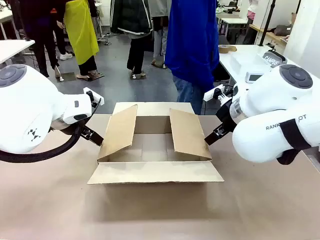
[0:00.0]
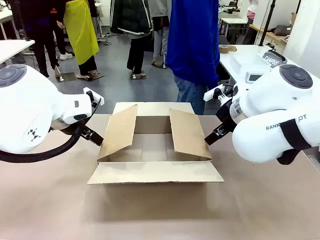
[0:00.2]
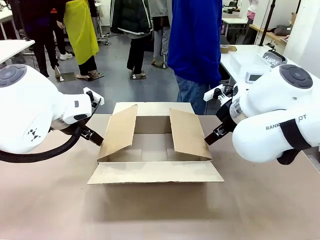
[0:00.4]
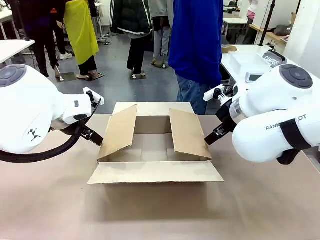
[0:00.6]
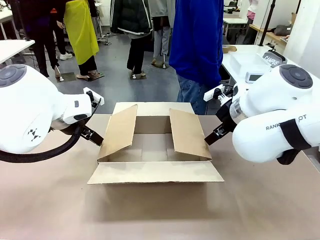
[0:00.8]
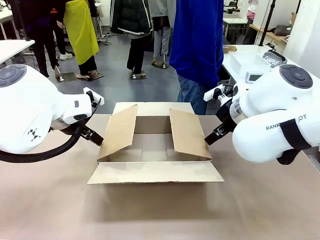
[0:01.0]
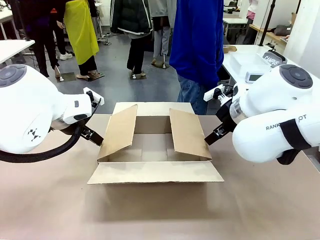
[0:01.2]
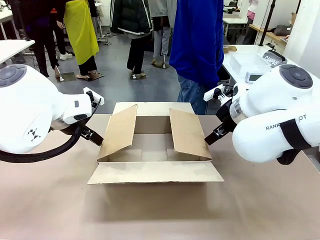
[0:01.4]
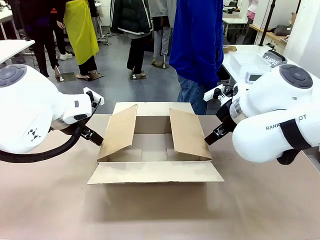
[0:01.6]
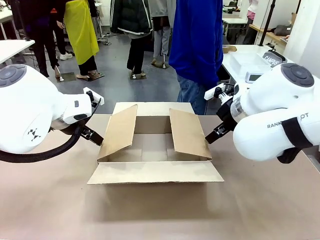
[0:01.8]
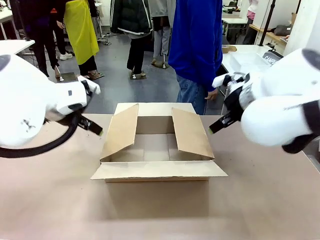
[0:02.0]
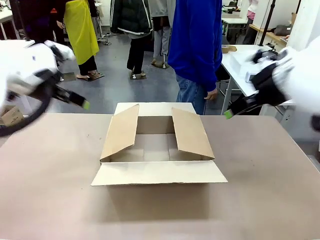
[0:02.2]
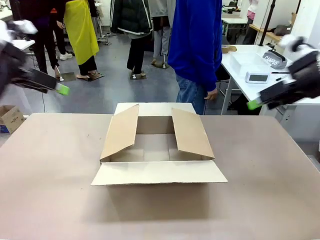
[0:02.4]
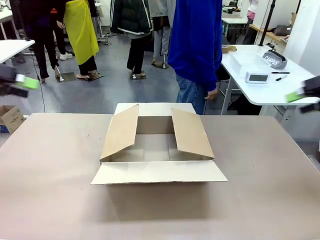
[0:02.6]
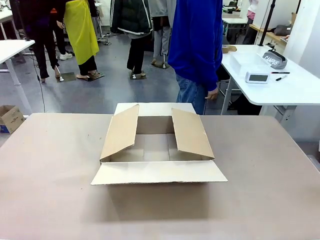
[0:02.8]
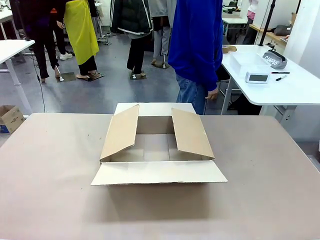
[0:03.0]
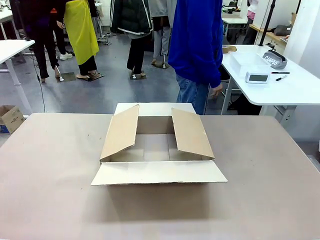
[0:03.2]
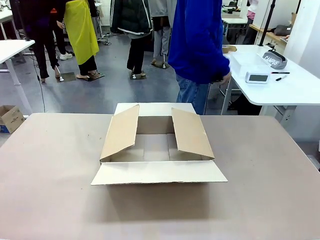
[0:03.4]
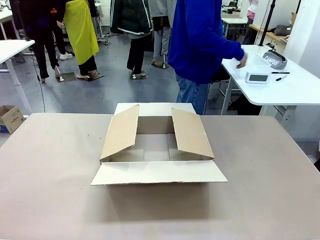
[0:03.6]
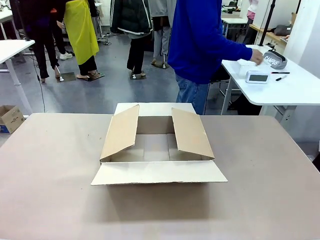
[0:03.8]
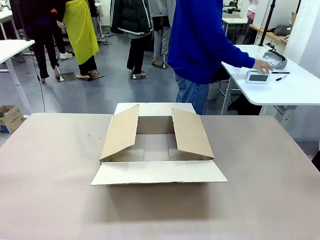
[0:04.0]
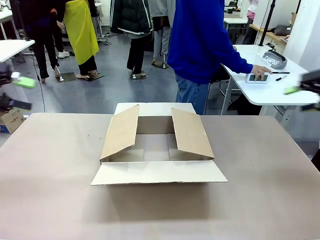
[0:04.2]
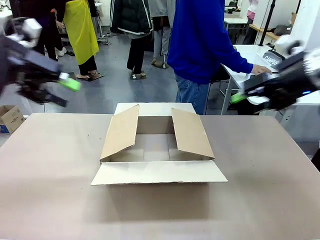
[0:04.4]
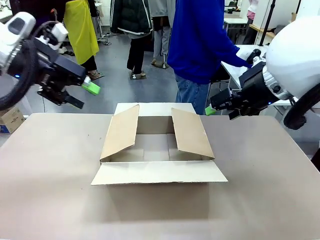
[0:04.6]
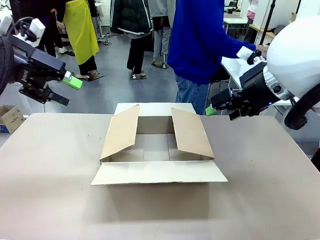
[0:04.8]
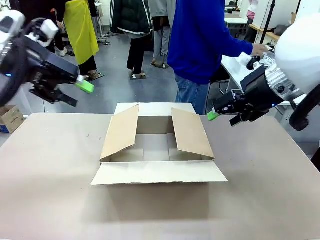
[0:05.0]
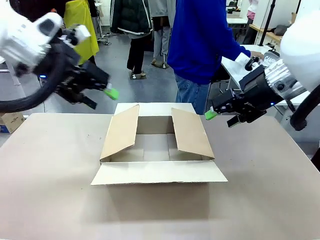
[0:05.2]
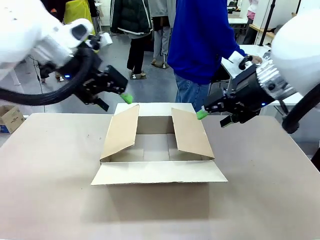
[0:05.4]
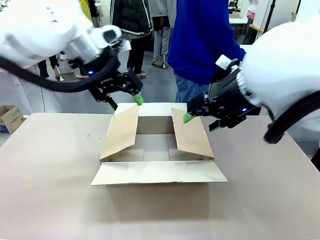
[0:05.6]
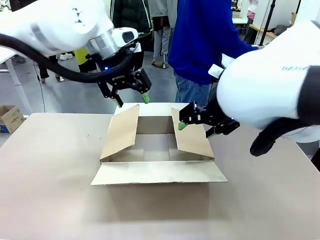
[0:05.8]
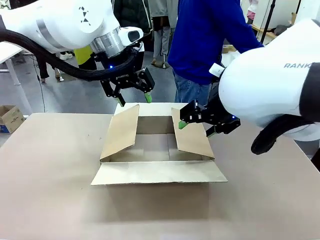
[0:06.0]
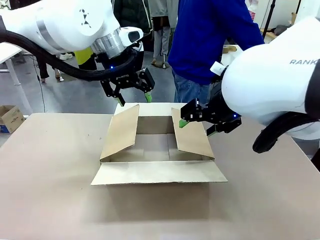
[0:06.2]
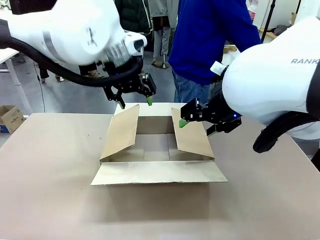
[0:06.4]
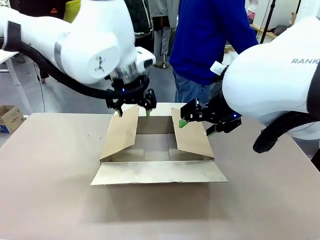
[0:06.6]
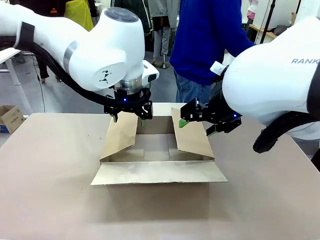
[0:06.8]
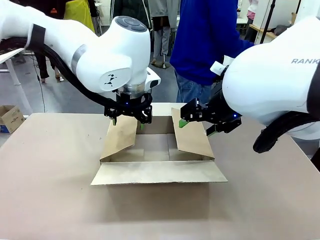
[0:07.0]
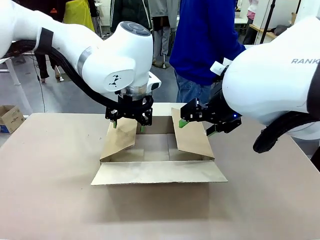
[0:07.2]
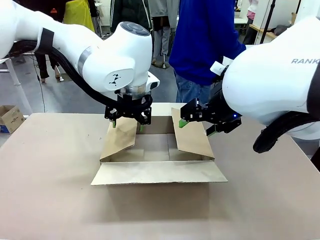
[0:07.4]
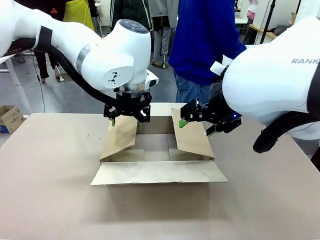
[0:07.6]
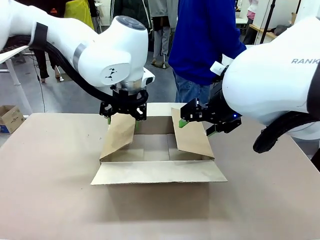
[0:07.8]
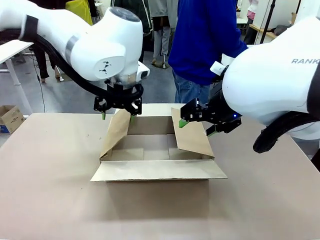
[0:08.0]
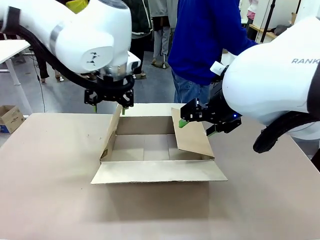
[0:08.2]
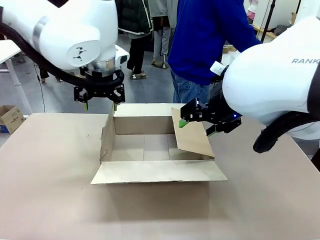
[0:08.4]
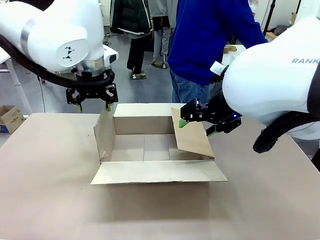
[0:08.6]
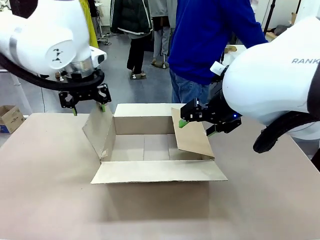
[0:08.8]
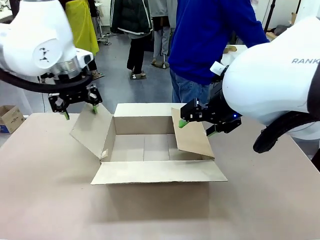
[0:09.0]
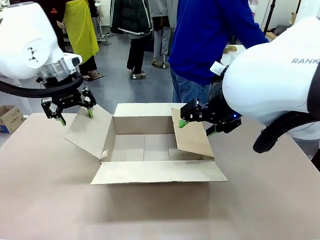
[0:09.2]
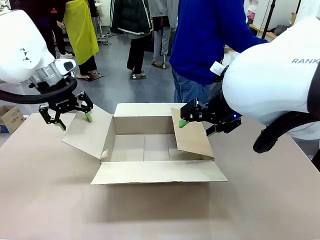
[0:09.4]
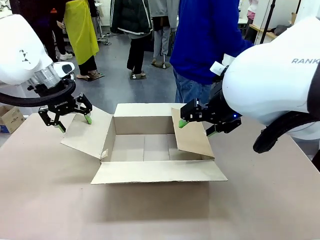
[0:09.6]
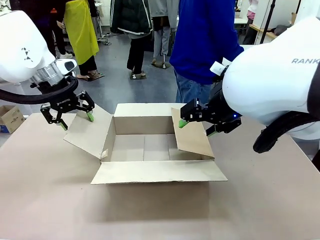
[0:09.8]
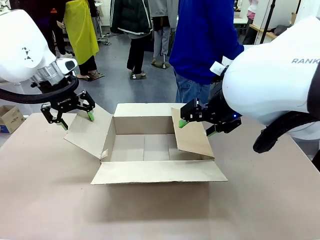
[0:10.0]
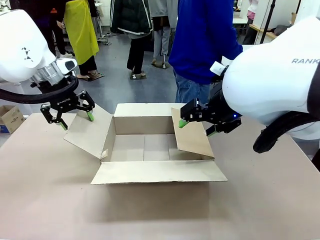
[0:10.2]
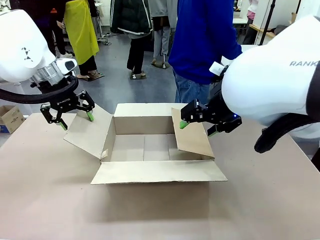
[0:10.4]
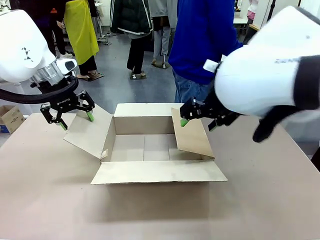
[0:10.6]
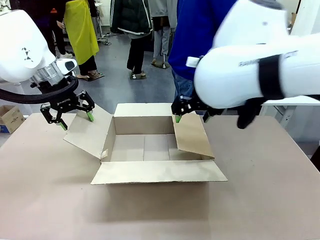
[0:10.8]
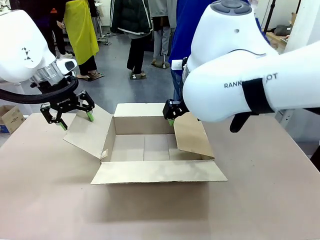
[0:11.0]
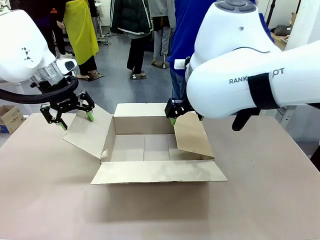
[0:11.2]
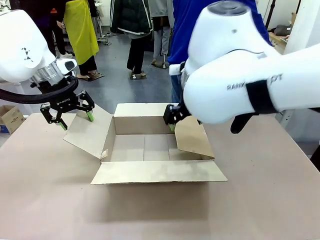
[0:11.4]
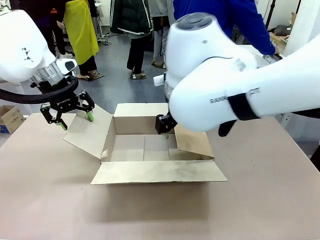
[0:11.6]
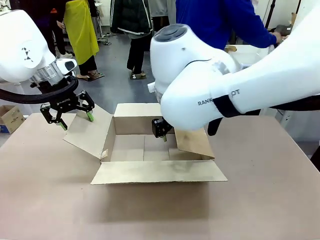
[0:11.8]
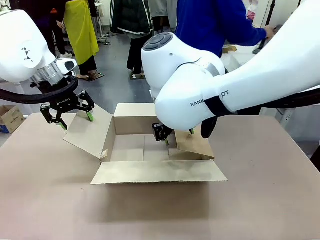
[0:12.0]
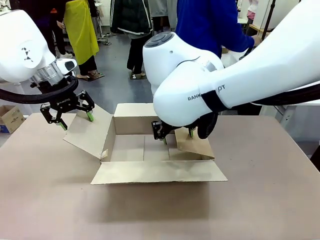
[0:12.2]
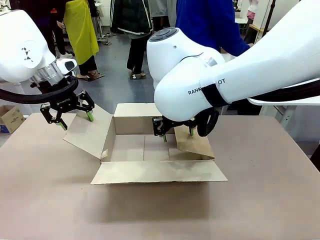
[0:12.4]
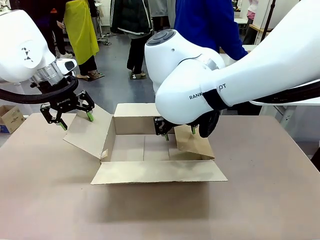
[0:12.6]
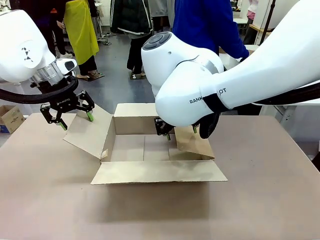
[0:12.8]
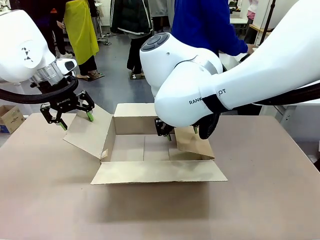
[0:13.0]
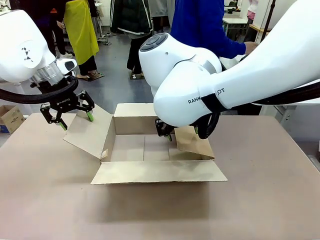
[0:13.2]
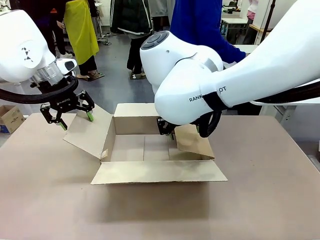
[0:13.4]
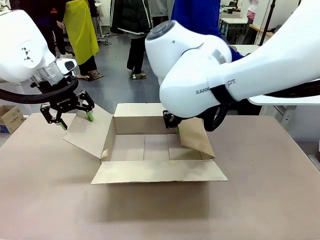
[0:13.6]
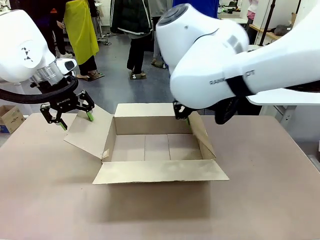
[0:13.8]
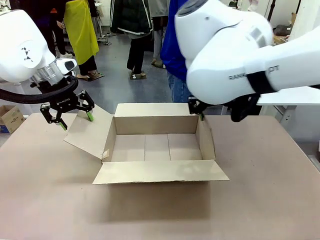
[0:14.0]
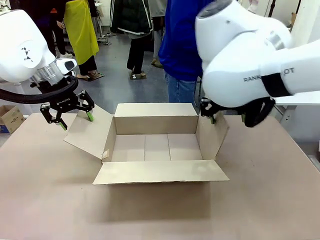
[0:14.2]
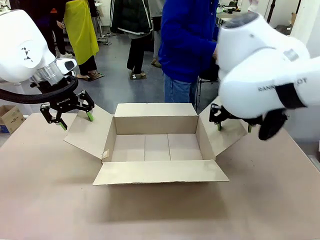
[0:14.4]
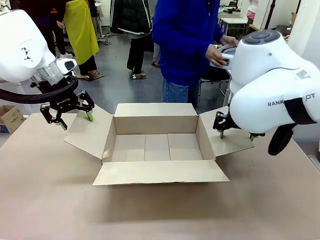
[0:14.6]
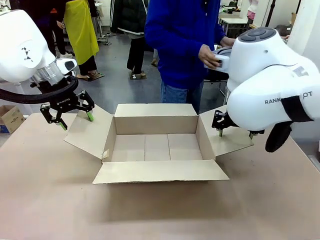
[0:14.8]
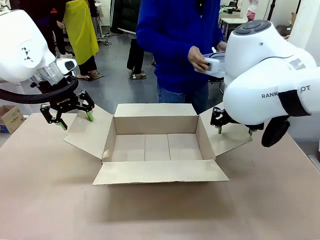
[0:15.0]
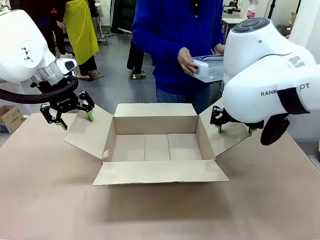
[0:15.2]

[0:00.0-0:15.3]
Task: Pack the gift set into the box.
Robot: Place both hands on the side flaps of the Package Box and spread them outward.
Person: The human places all items except the paper tape into the organizing basket.

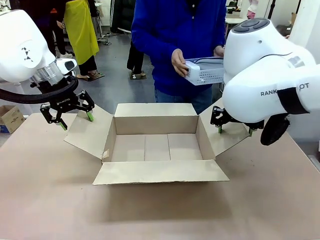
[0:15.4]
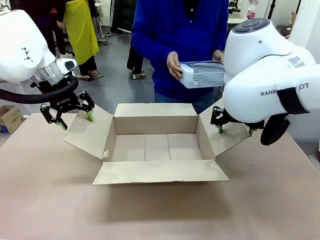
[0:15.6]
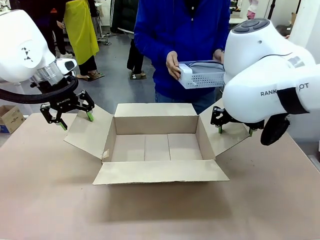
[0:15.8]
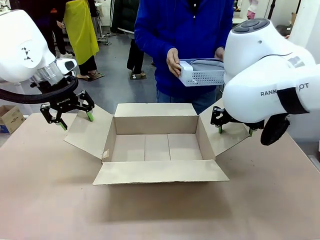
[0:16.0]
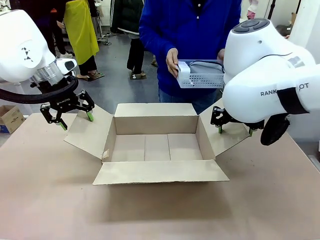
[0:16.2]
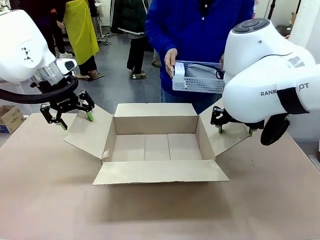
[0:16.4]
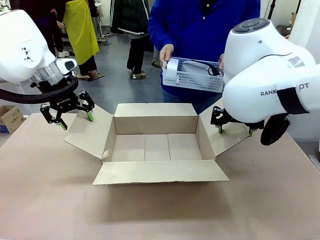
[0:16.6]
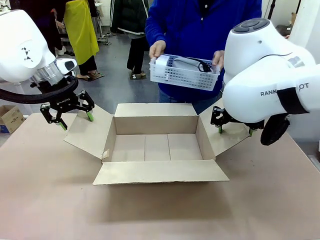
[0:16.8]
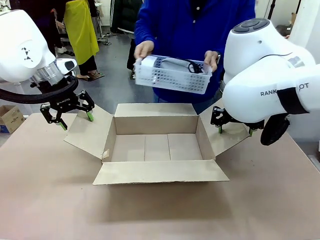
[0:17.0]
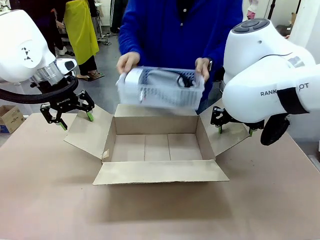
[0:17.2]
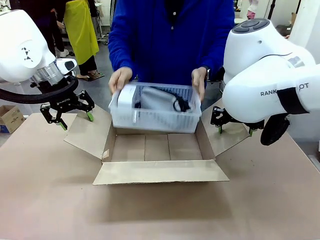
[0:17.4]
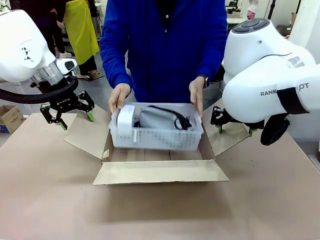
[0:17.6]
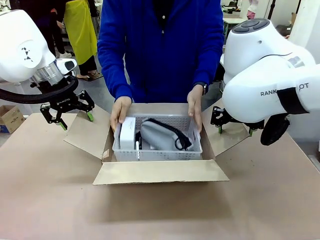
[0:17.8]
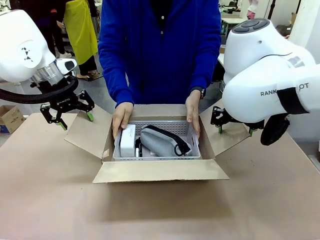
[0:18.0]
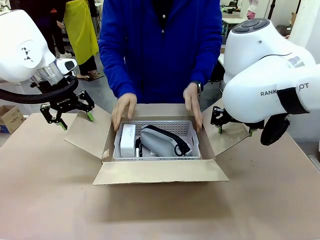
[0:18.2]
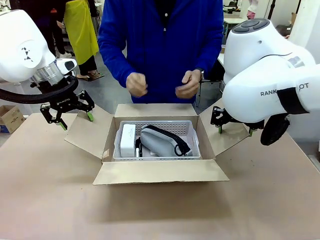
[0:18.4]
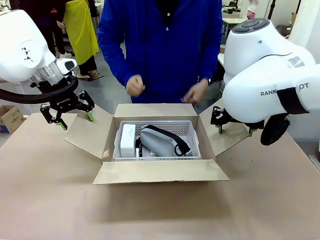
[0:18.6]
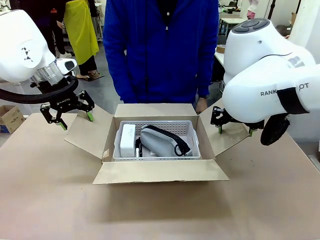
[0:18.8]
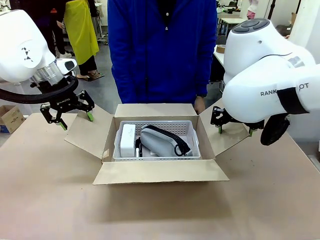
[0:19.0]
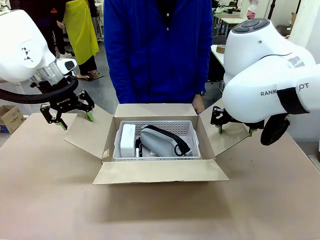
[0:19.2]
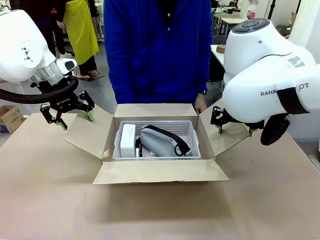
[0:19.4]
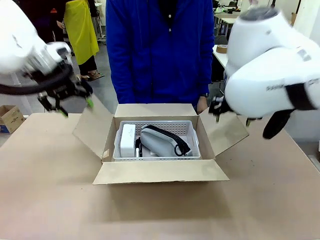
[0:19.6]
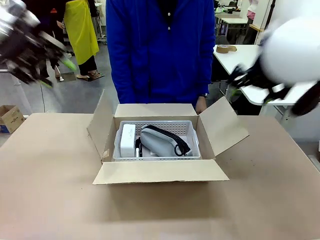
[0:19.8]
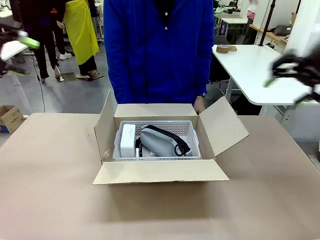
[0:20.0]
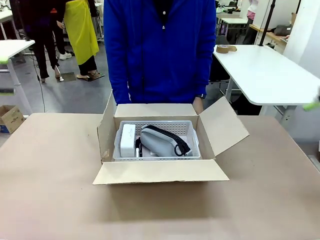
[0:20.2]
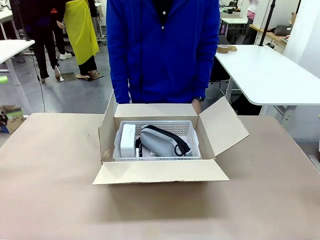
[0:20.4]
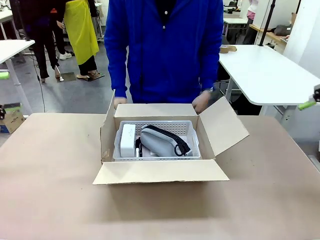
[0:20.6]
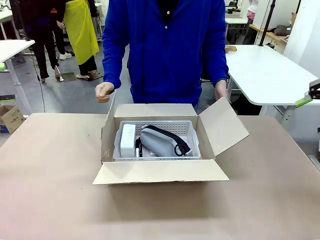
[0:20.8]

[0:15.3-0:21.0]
Robot: Lift both hands away from the flaps of the Package Box.
Person: The human picks up the organizing basket and places the organizing basket into the package box on the robot table.
